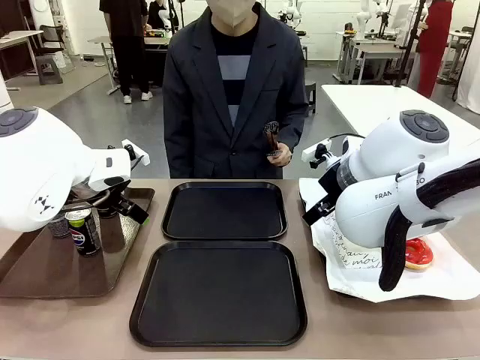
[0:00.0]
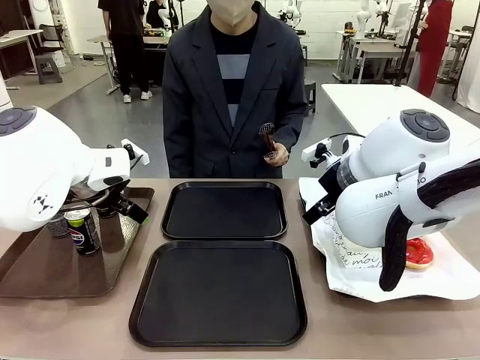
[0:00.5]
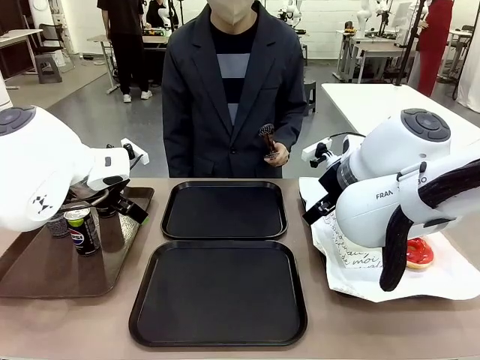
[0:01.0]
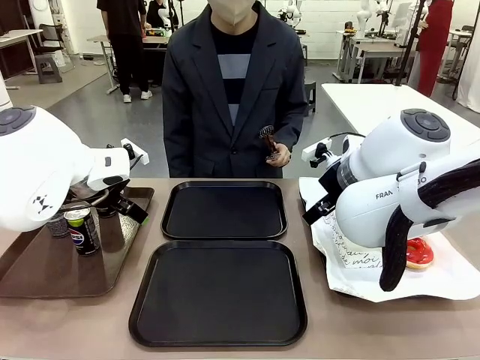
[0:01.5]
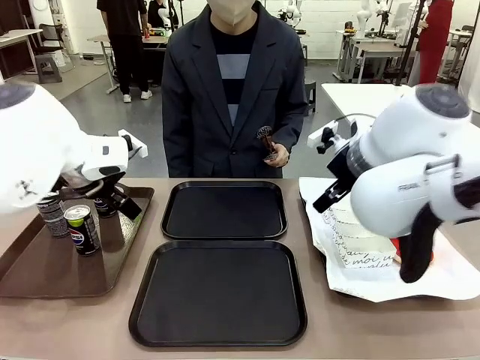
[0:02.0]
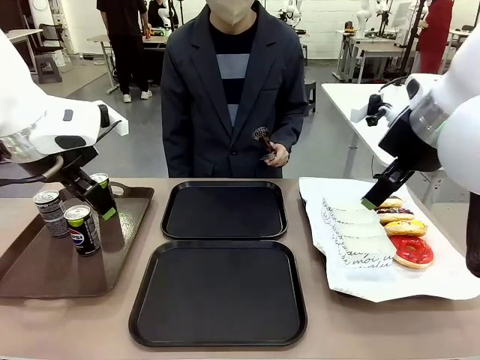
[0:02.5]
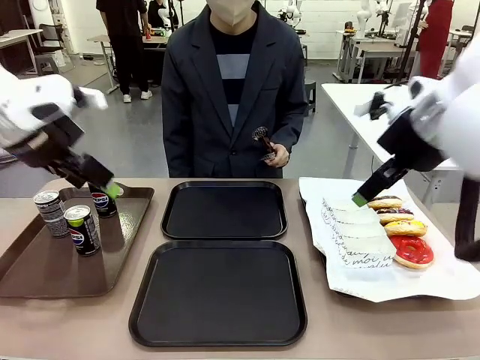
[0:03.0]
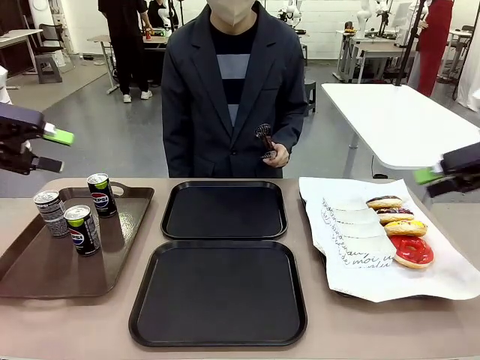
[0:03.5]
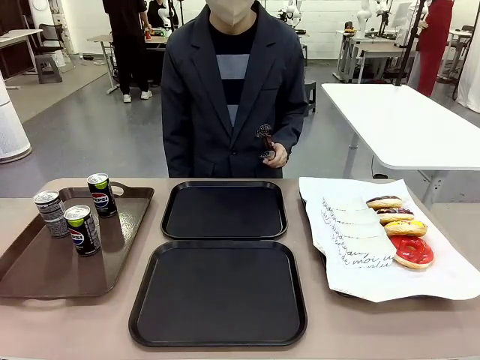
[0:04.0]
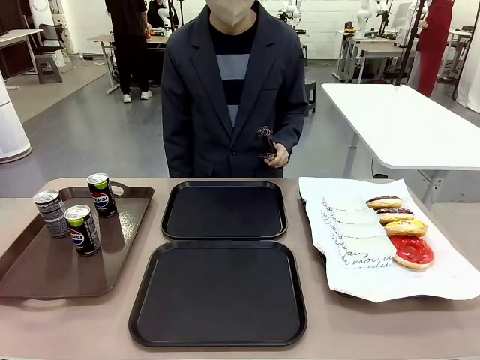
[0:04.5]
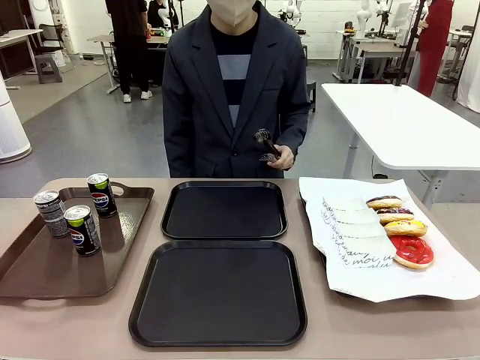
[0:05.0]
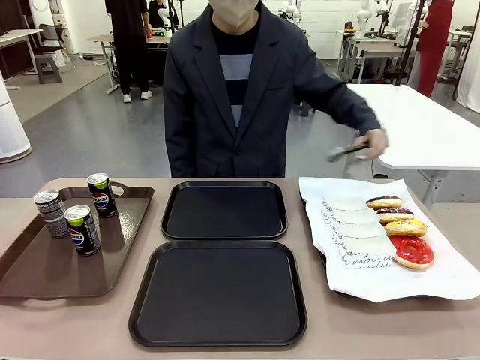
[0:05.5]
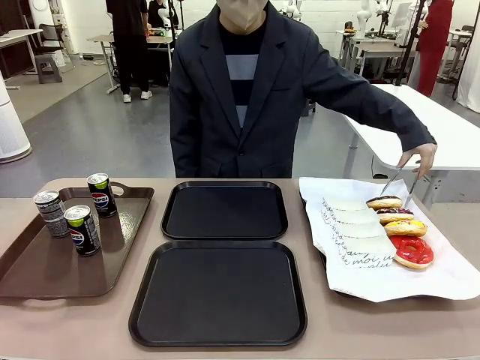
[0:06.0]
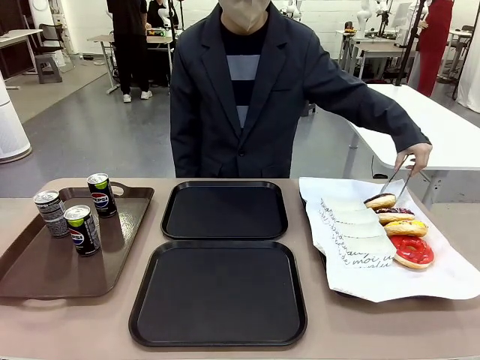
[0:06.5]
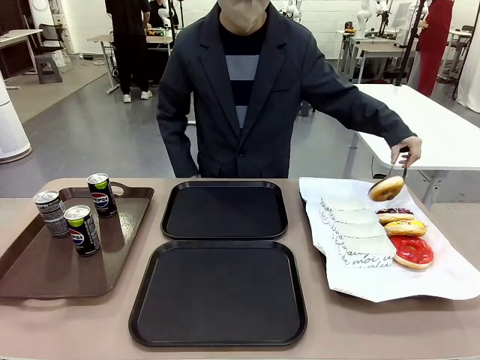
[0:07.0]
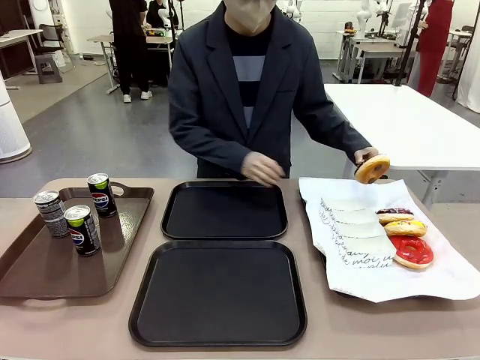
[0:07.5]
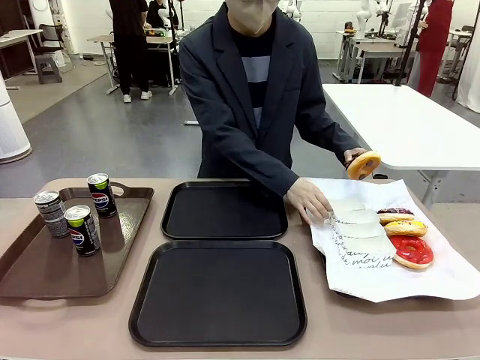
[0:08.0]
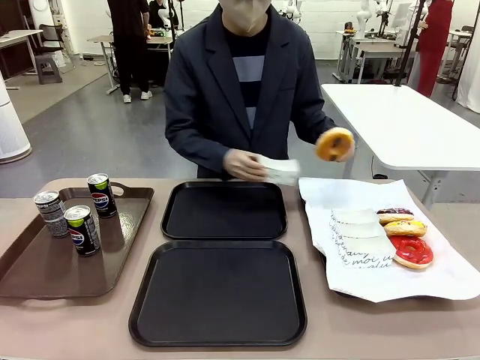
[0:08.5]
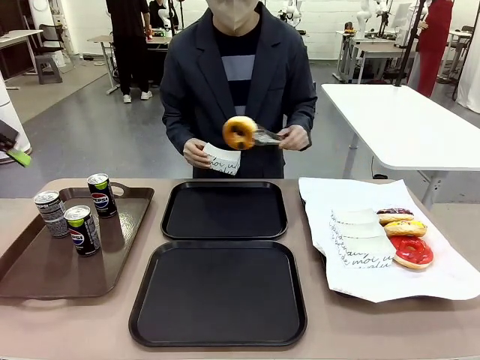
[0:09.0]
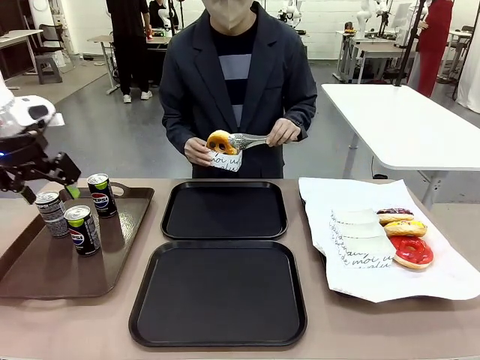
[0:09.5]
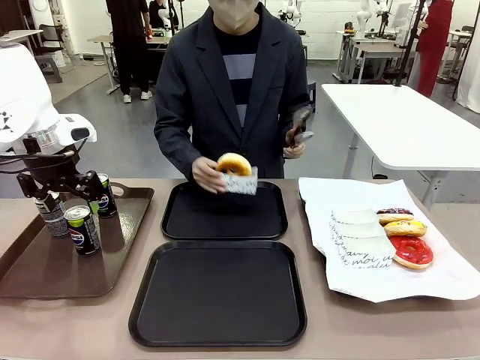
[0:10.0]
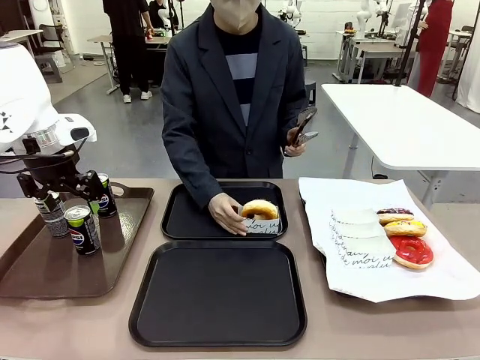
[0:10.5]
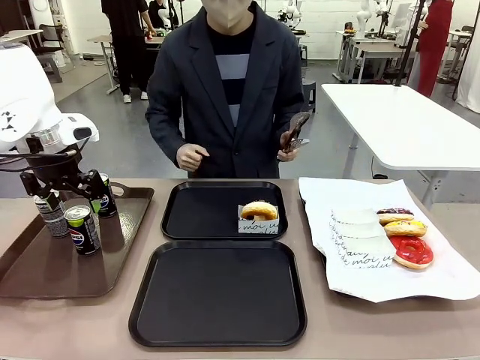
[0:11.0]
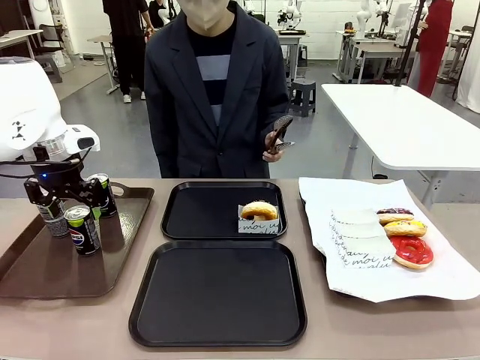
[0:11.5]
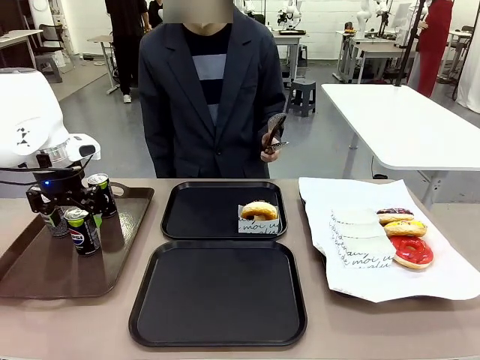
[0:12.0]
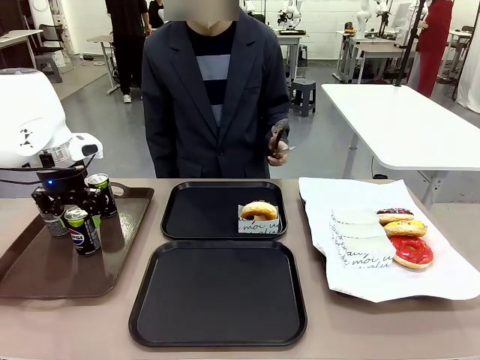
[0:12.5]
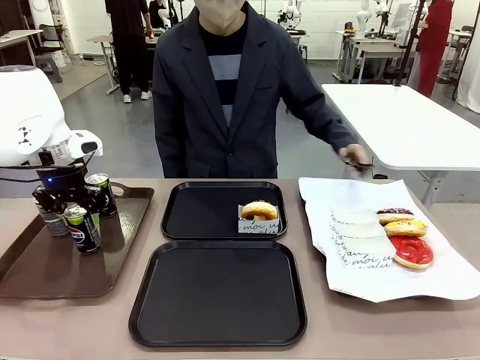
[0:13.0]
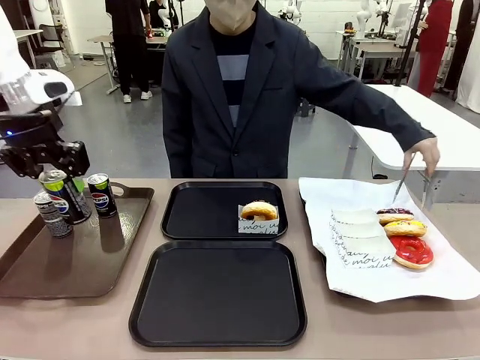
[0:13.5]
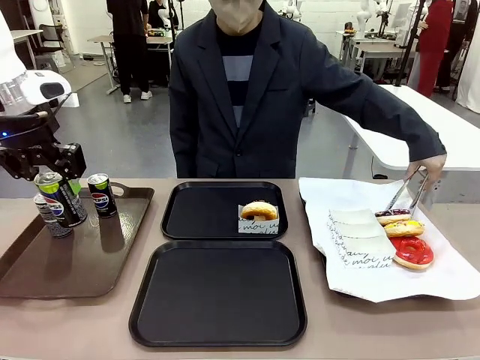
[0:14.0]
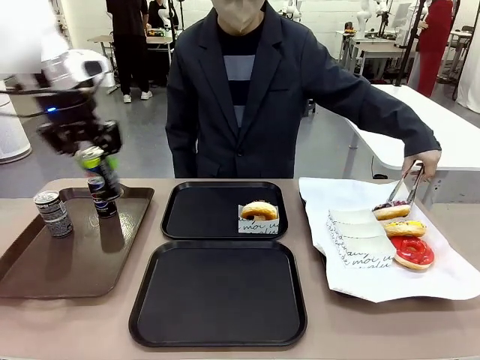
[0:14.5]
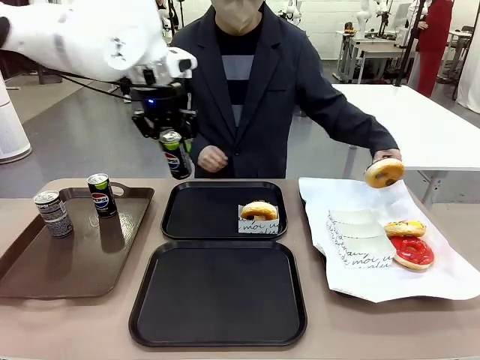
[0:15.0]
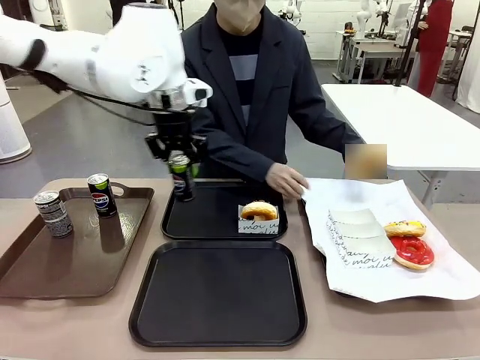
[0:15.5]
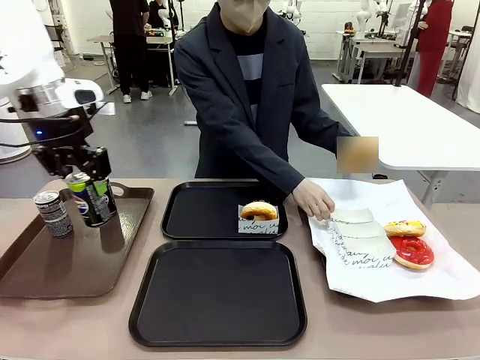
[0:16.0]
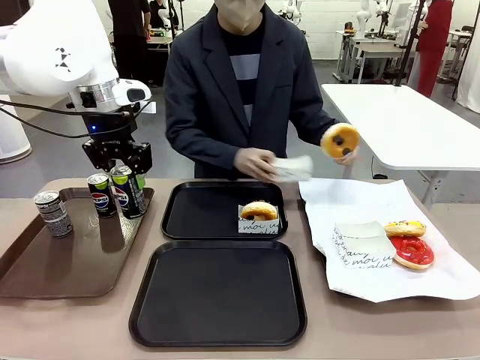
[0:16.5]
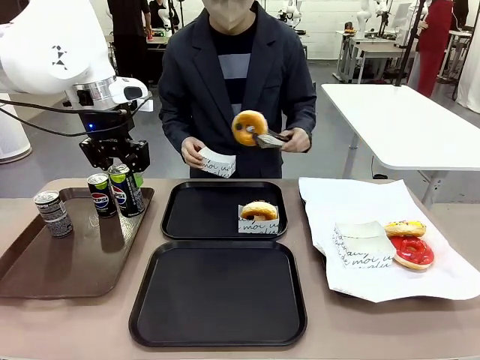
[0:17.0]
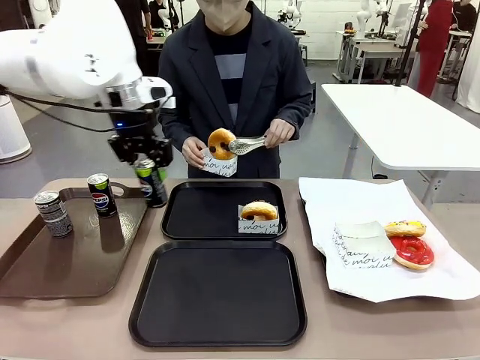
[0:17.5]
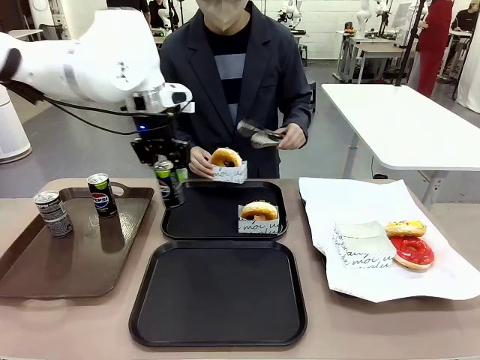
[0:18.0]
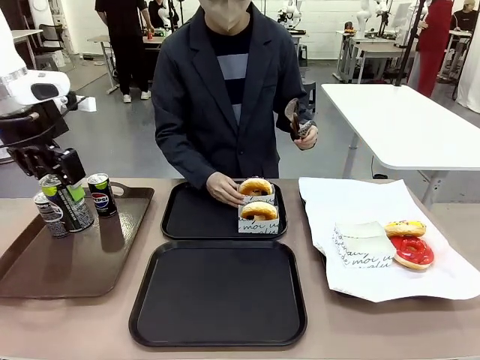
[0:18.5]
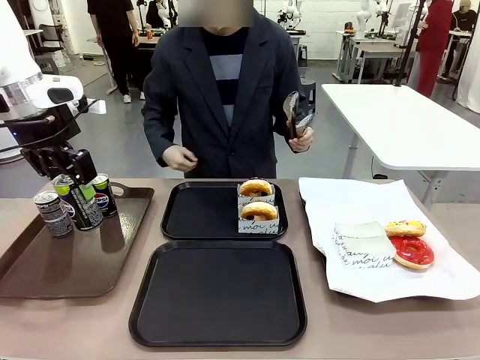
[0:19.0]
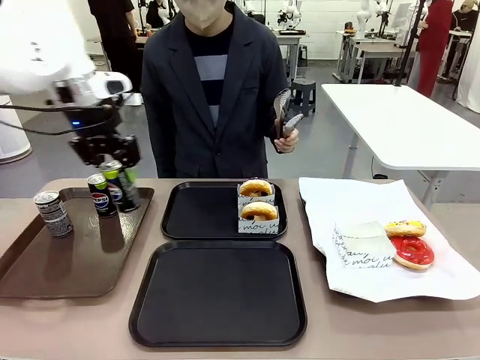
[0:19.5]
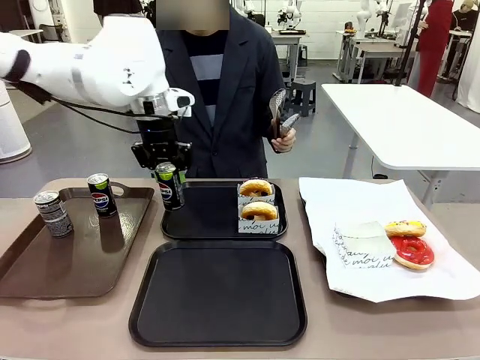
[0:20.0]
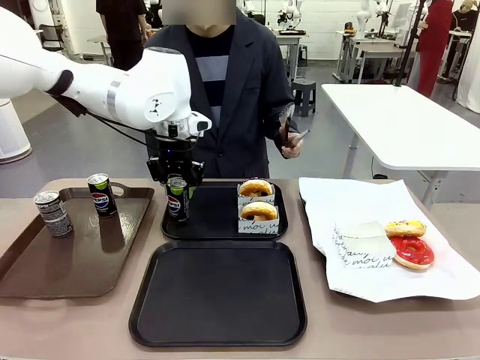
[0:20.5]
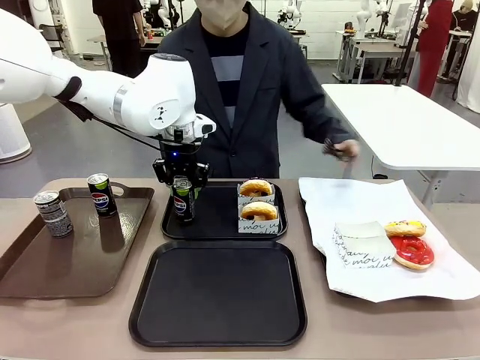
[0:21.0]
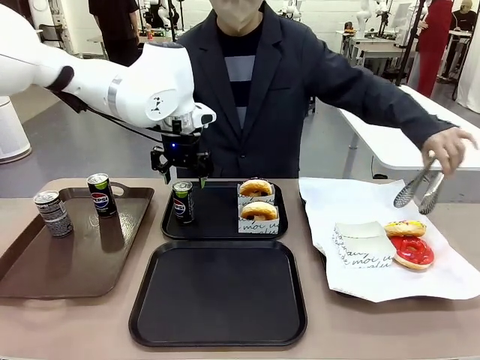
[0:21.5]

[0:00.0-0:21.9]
Task: Set up donuts and drinks on trays.
Robot: Pick up one Pepsi coke and place it on the Flat Tray.
Person: Pick up one donut with tongs, place it in the donut tray, and then place the donut tray on the flat tray.
